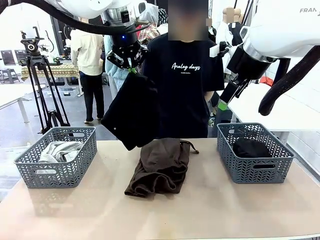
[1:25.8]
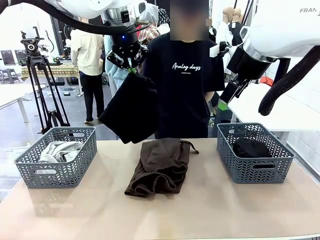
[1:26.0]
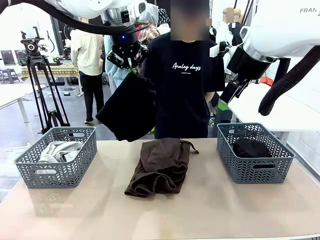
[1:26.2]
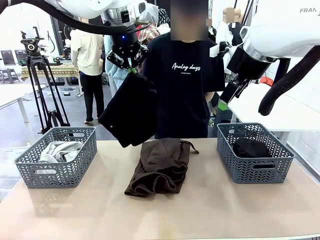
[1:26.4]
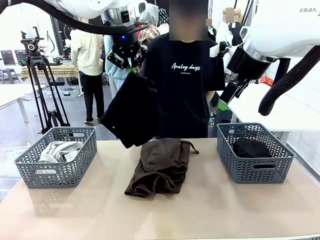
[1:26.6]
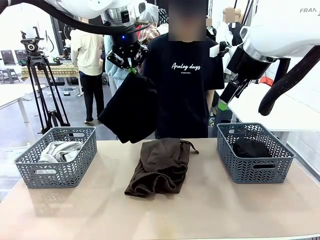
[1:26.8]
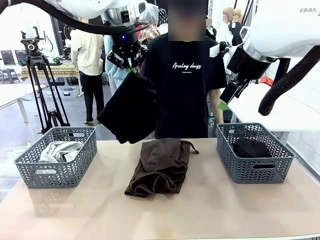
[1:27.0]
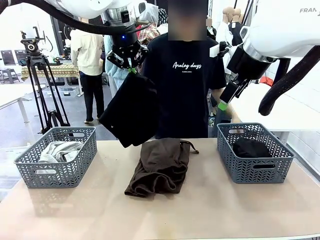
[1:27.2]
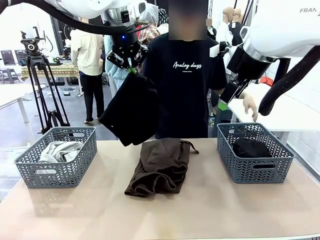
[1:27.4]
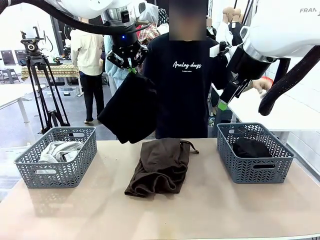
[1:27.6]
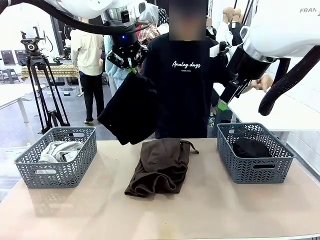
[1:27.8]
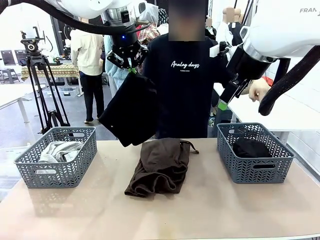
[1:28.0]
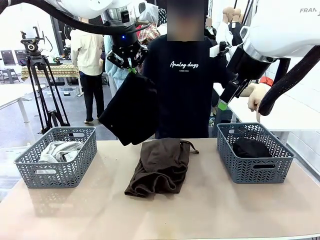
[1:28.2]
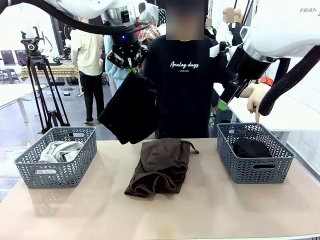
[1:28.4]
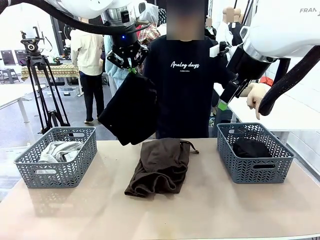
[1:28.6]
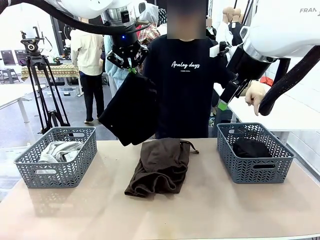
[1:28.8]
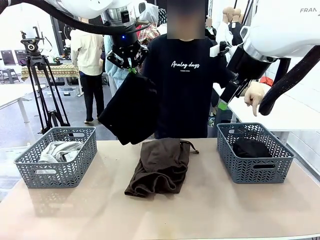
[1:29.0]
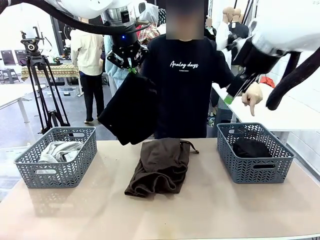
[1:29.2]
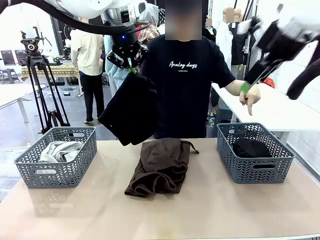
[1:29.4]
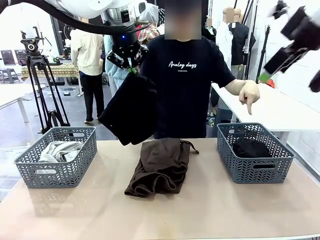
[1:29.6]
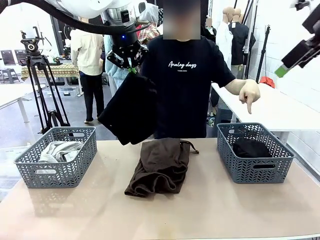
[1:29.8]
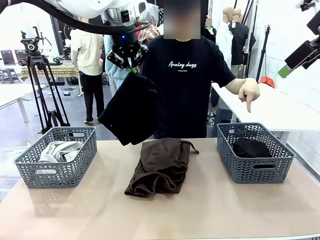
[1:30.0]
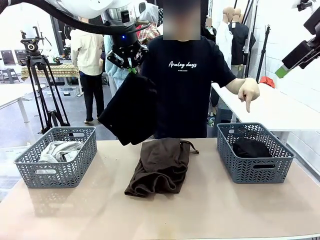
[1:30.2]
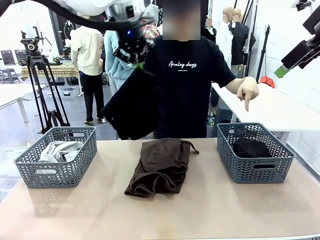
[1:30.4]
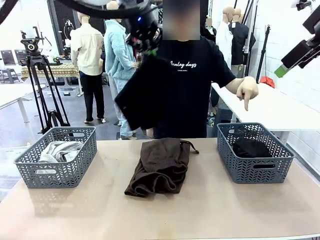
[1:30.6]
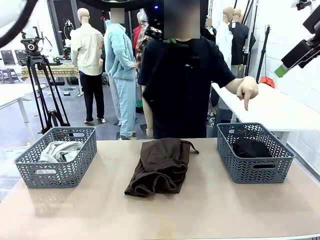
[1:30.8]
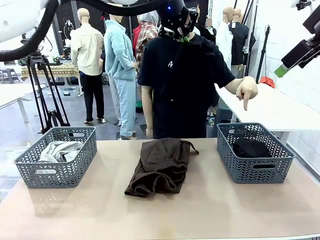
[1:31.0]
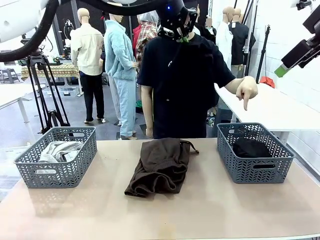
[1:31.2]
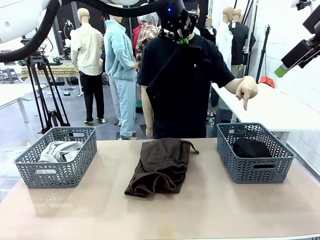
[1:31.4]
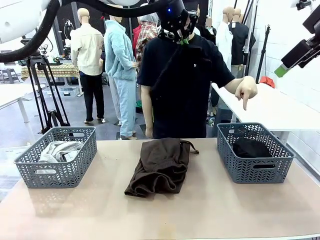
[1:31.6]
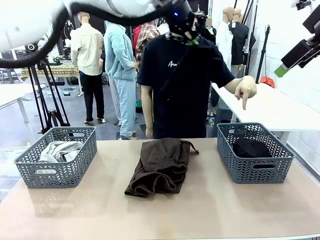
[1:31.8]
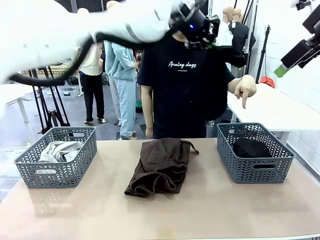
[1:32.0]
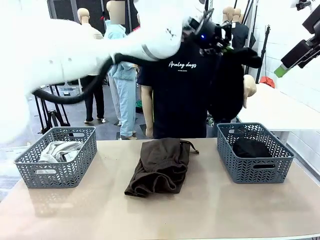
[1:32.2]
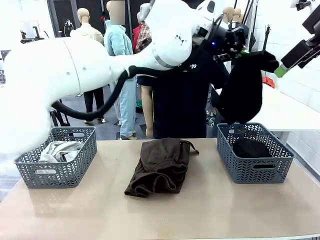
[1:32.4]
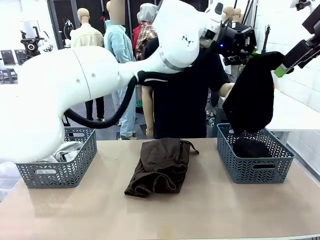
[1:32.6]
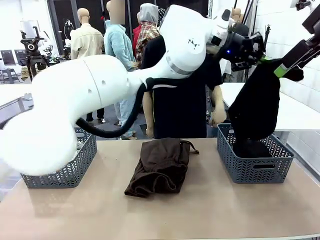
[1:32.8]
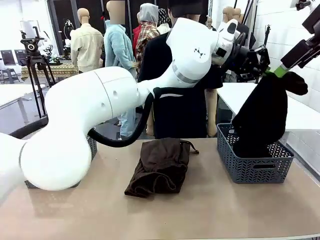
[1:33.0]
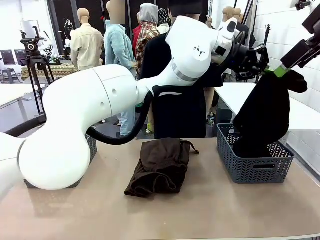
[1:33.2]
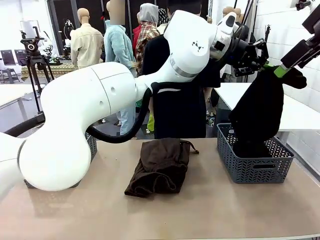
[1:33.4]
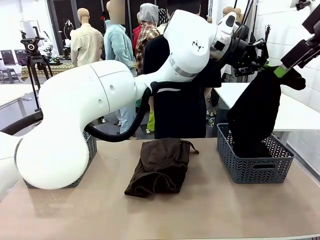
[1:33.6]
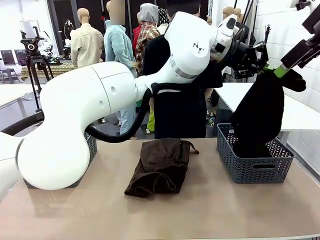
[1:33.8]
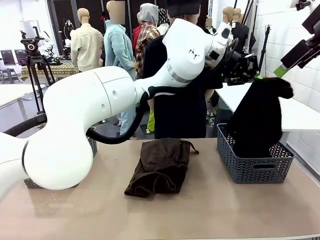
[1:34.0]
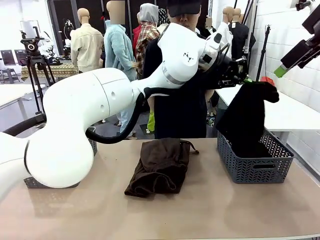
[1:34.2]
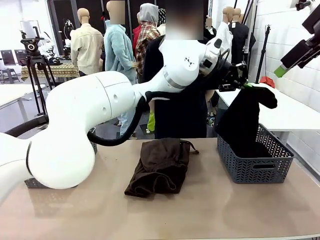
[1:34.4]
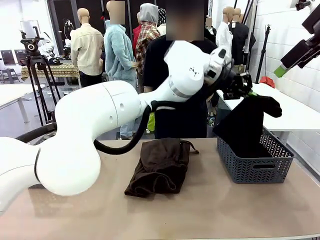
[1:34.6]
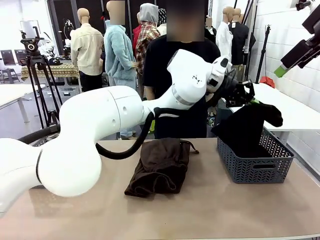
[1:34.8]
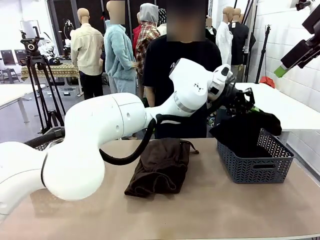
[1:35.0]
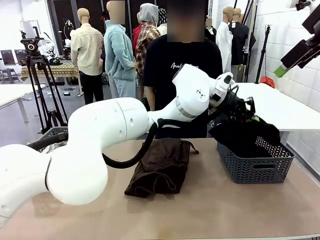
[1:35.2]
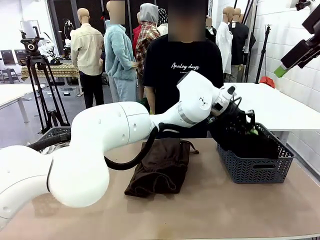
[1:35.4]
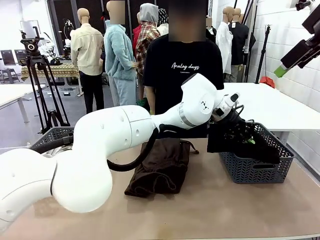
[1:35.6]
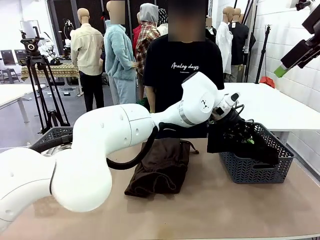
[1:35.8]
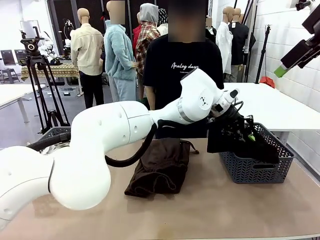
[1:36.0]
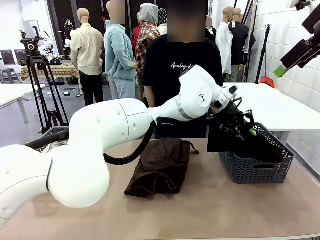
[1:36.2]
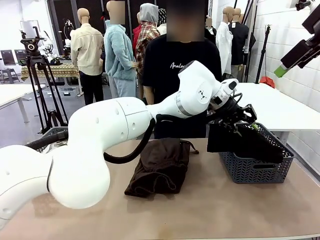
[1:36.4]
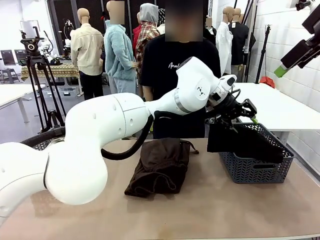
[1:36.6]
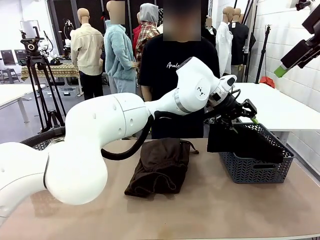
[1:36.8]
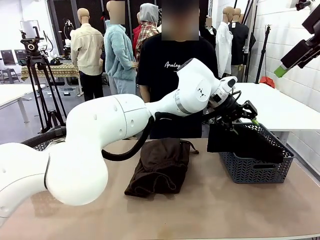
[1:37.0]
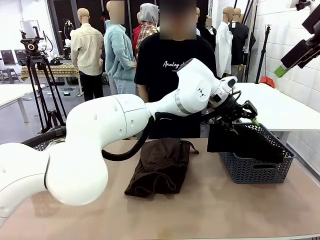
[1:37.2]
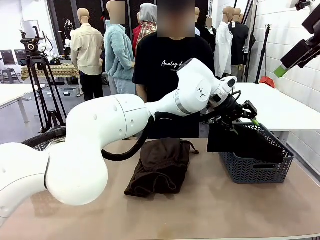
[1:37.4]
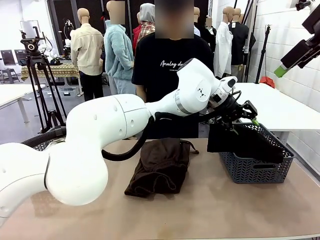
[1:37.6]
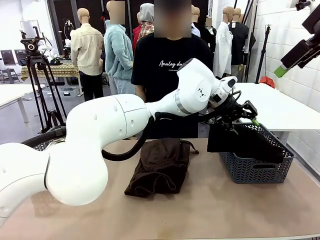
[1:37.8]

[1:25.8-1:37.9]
Task: Sort the tops and bottoms.
Robot: Sort the clothes according to human instructions.

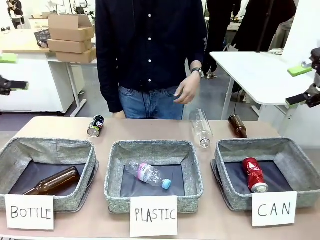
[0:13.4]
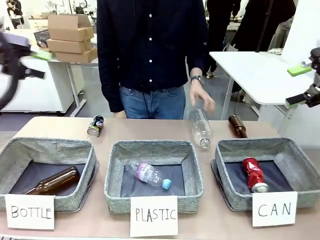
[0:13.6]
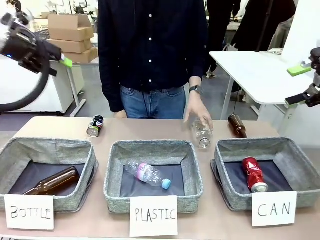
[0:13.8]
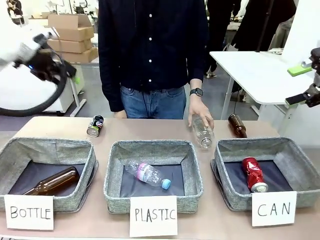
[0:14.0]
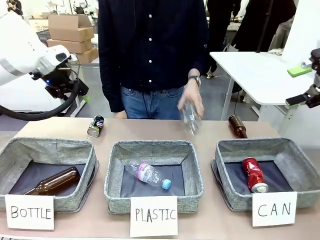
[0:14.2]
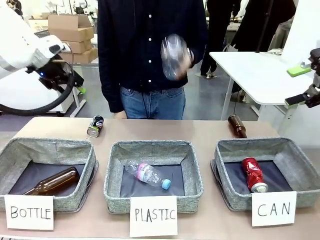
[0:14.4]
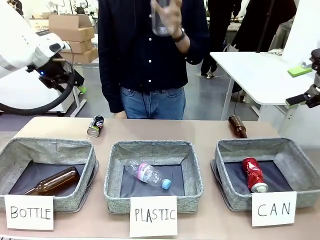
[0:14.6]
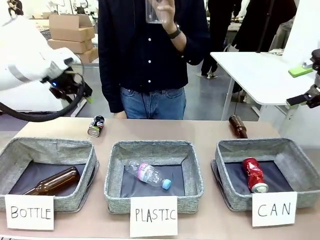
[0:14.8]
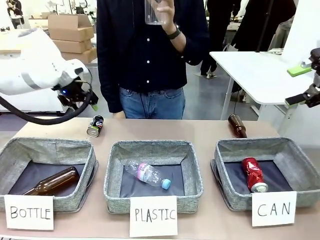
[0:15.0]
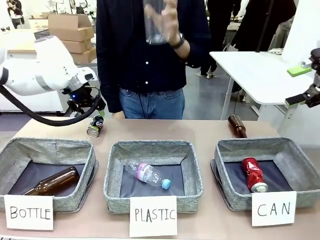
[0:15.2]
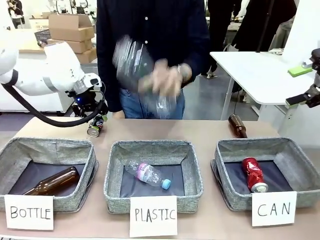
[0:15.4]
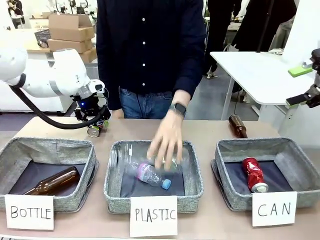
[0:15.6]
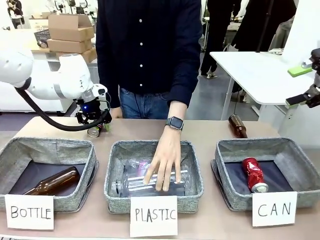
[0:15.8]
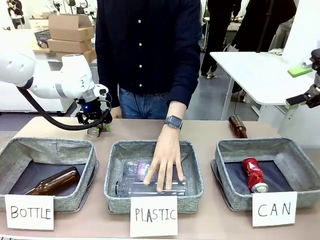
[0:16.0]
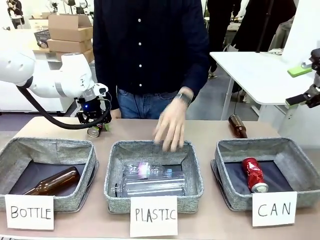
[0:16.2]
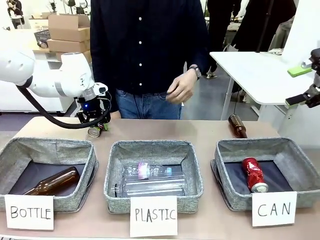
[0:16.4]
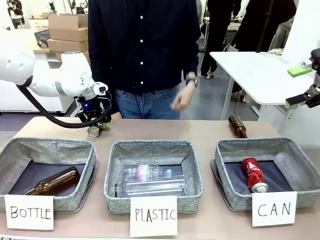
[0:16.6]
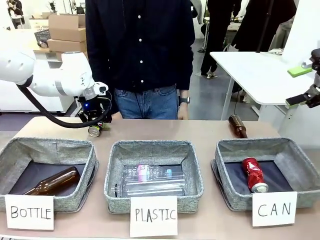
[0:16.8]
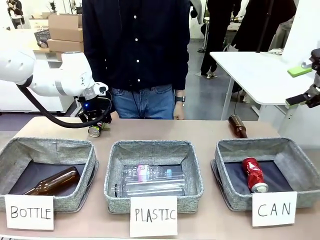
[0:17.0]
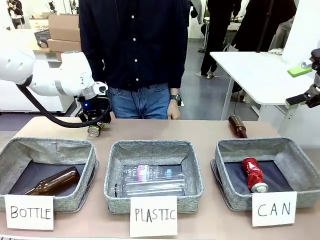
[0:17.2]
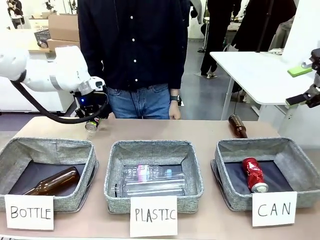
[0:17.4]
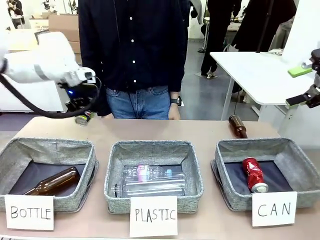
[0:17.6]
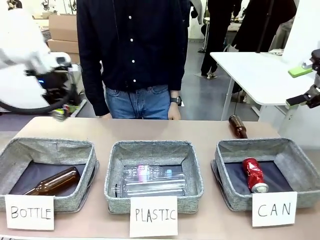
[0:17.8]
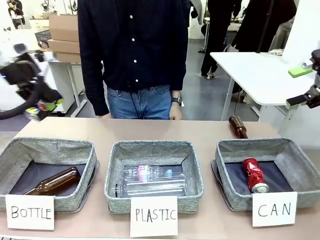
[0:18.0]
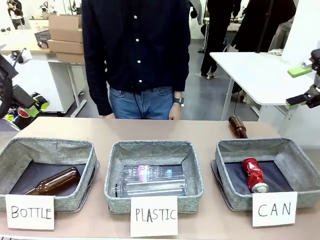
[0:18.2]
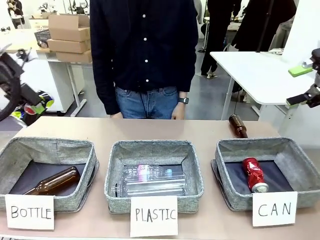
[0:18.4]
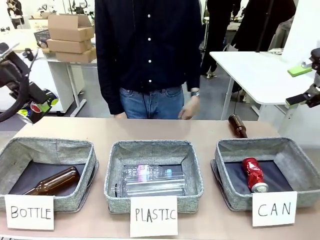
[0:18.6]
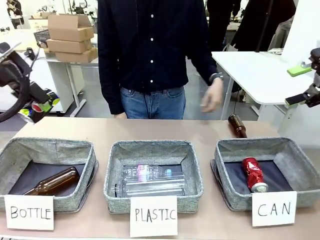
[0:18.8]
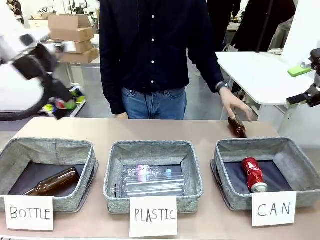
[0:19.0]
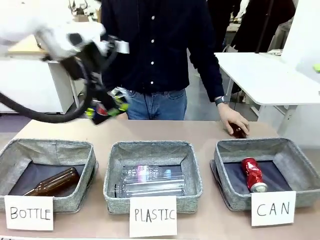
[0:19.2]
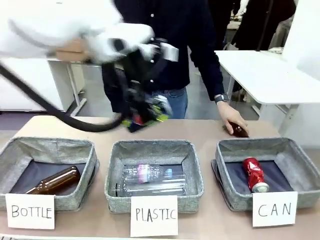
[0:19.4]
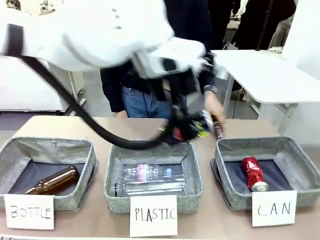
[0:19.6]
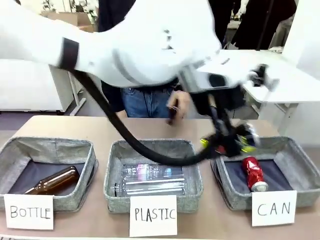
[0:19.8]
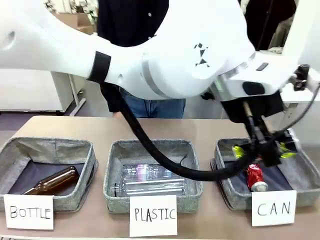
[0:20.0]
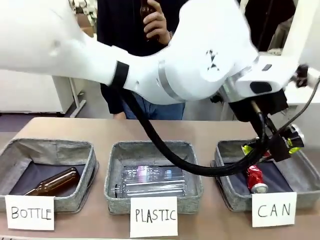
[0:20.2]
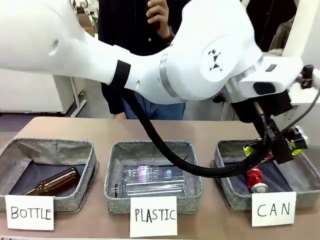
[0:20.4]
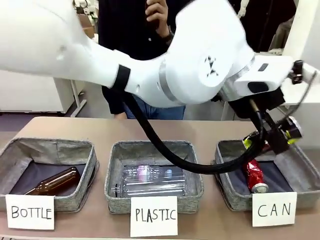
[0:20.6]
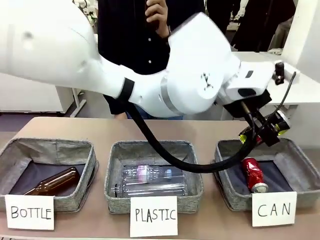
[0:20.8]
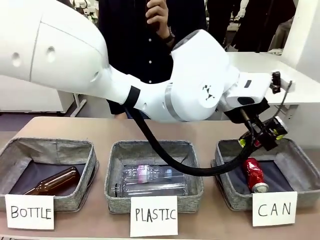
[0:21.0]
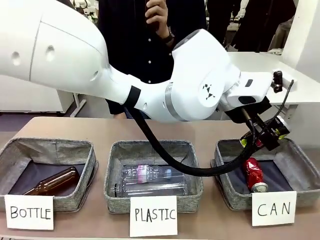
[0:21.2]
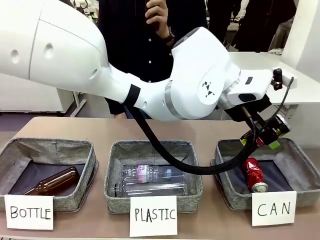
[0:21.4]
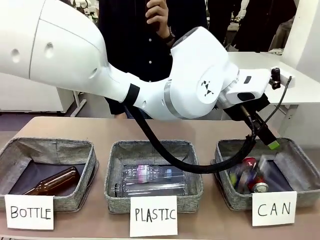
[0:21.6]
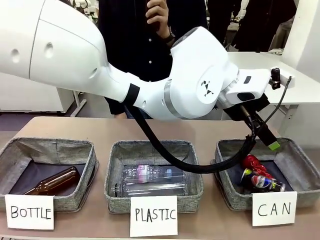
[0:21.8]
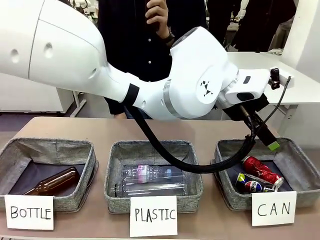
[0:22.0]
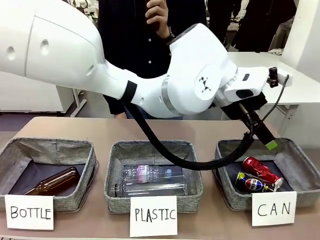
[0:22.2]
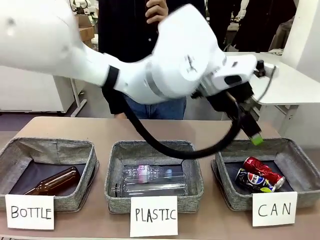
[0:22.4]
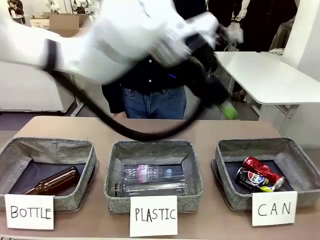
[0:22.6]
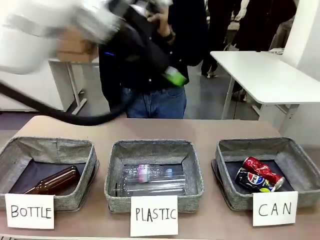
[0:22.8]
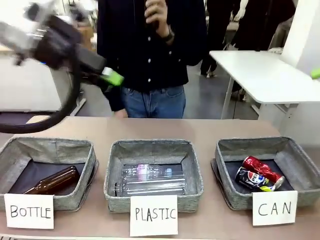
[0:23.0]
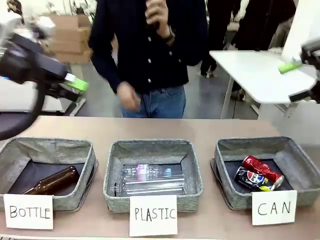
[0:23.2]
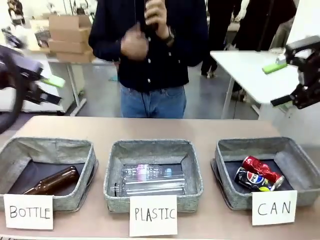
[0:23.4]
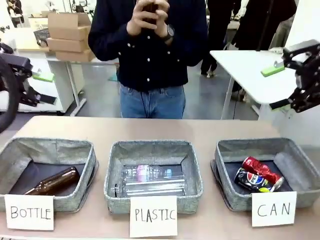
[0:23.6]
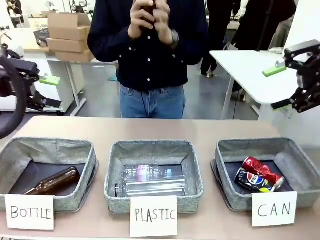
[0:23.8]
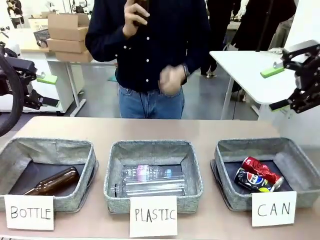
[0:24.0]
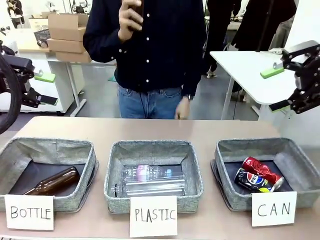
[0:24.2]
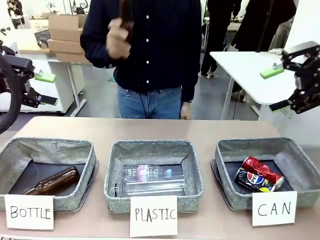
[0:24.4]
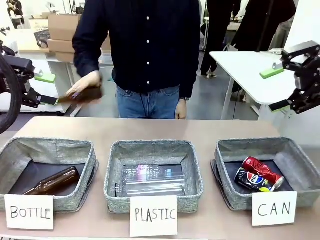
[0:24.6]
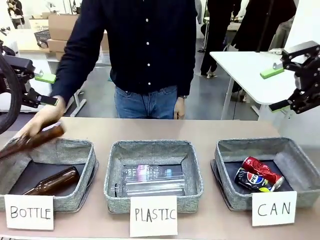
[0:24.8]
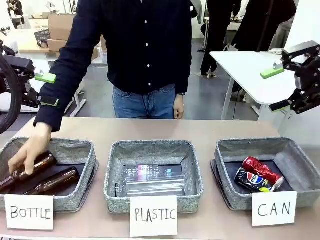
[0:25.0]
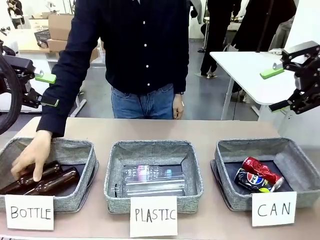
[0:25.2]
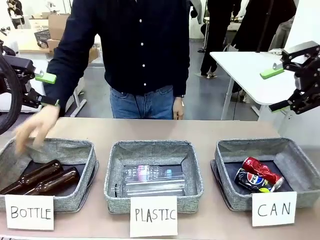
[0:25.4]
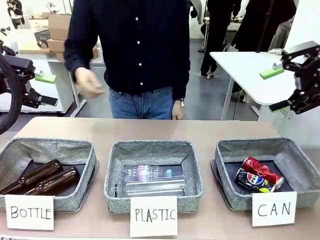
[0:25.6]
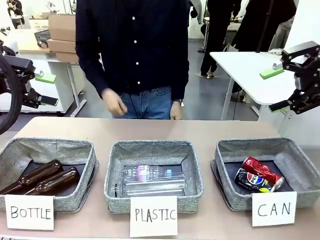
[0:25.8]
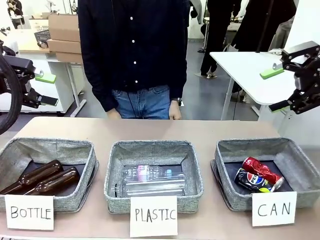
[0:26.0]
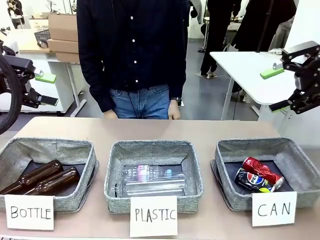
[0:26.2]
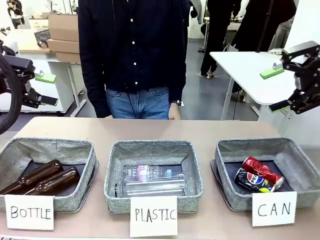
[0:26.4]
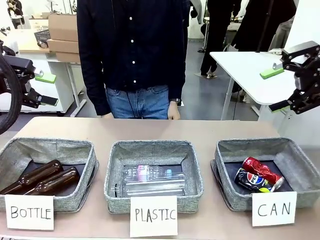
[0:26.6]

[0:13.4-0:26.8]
Task: Sort the can waste into the basket.
Robot: Pick up the can waste from the table and place it in the right Fabric basket.
